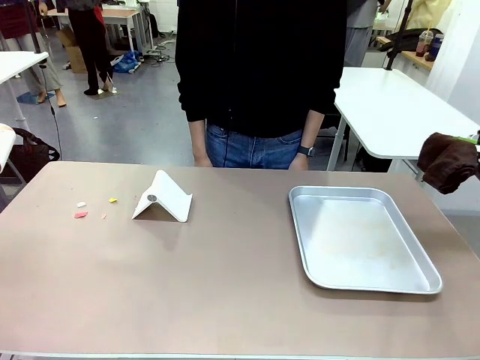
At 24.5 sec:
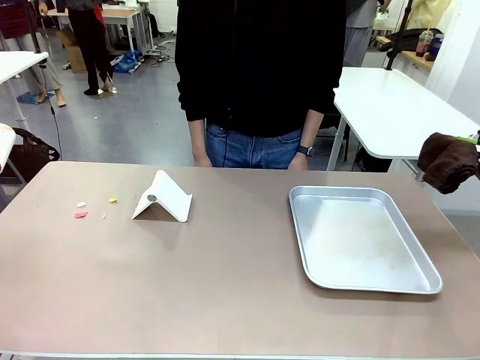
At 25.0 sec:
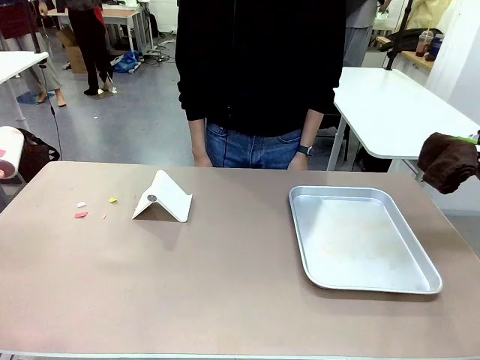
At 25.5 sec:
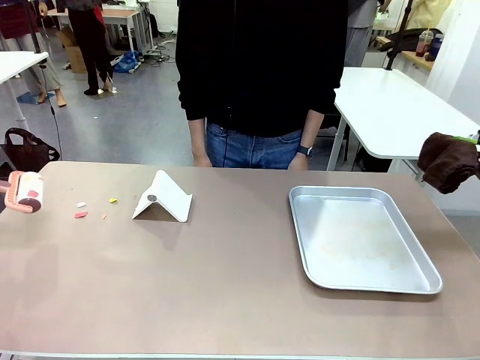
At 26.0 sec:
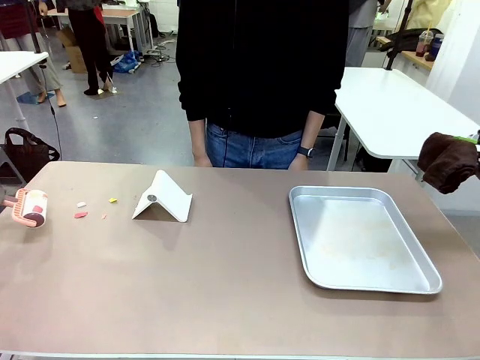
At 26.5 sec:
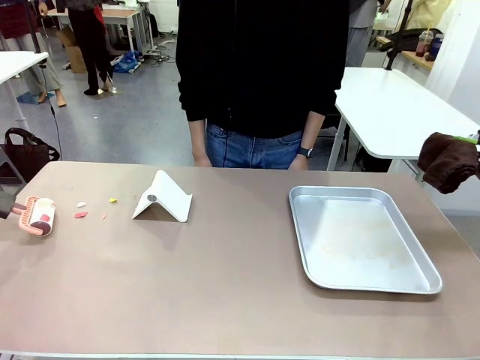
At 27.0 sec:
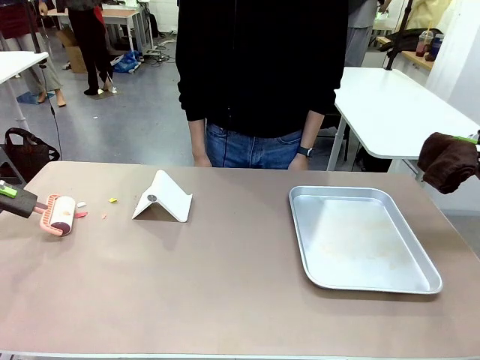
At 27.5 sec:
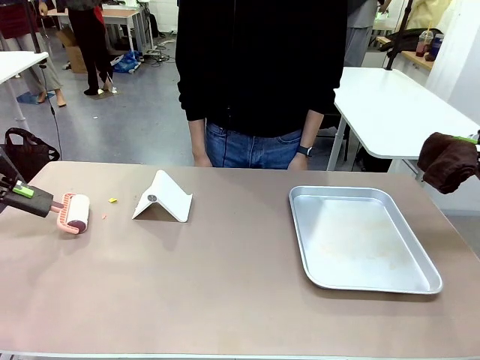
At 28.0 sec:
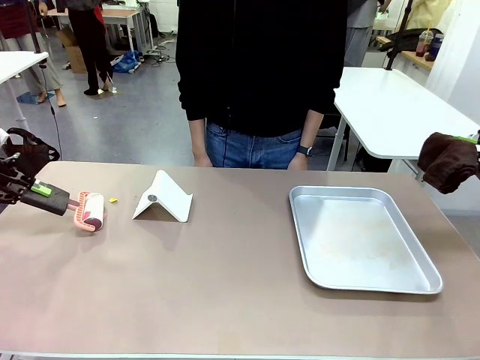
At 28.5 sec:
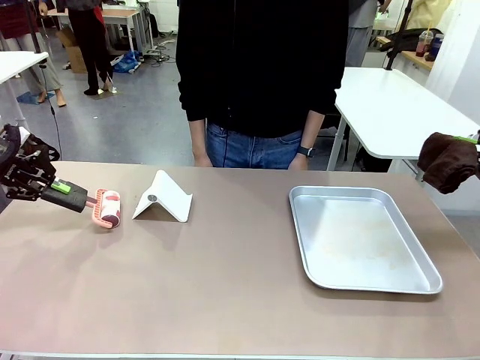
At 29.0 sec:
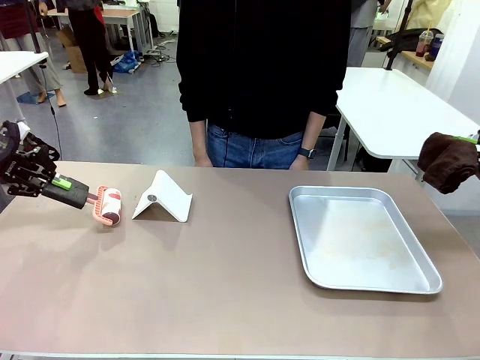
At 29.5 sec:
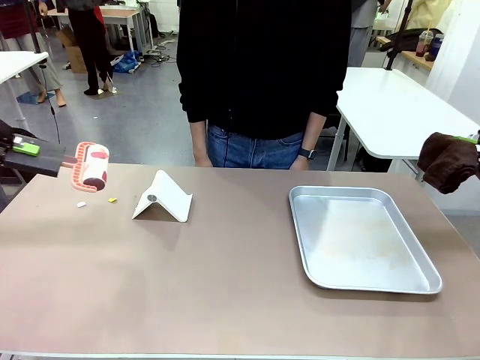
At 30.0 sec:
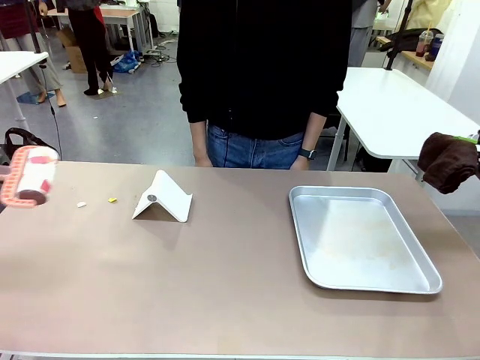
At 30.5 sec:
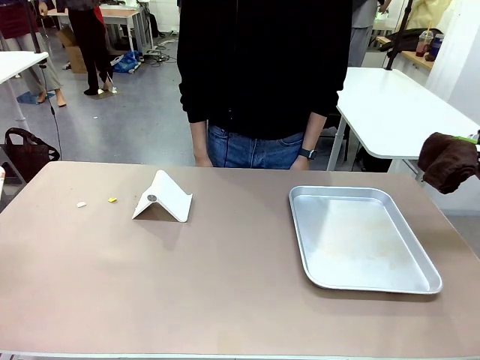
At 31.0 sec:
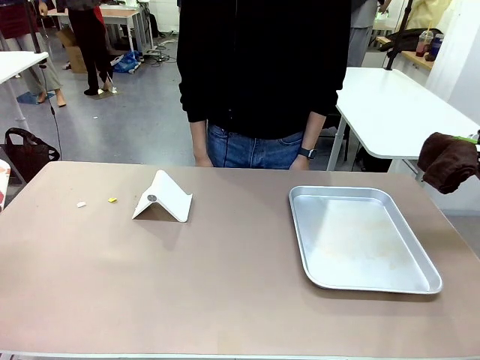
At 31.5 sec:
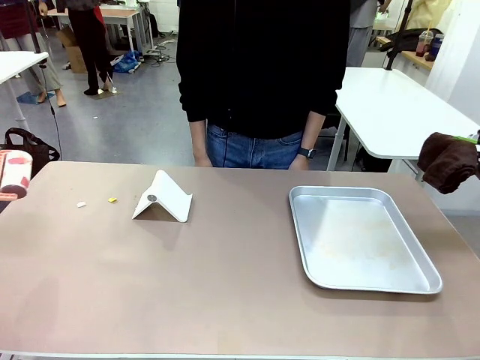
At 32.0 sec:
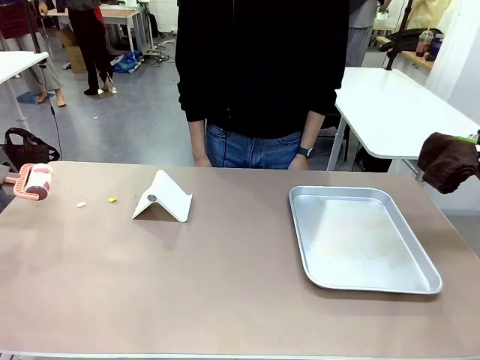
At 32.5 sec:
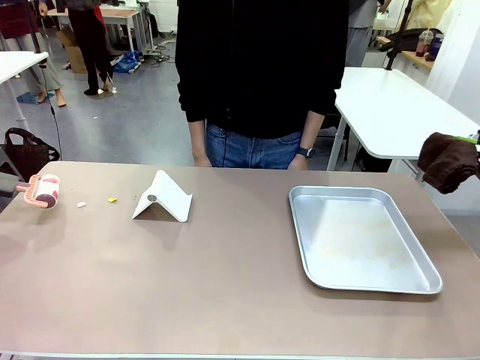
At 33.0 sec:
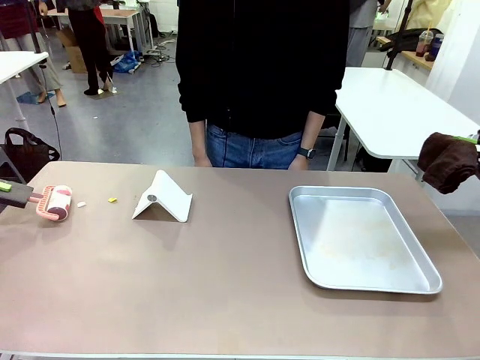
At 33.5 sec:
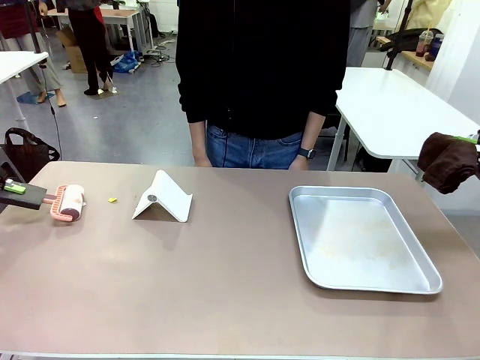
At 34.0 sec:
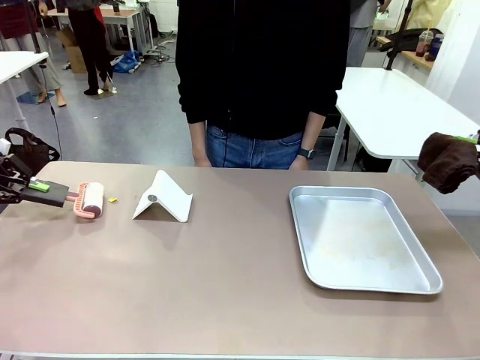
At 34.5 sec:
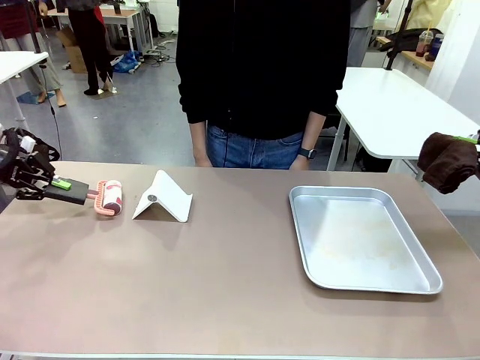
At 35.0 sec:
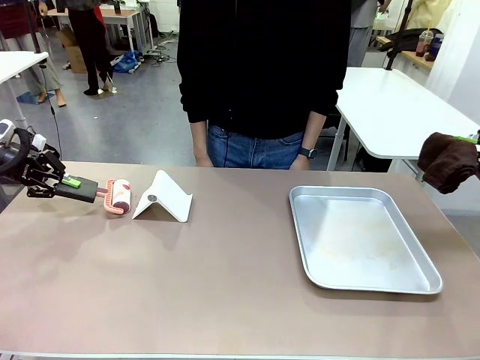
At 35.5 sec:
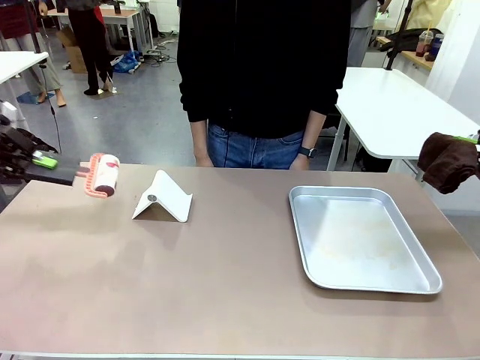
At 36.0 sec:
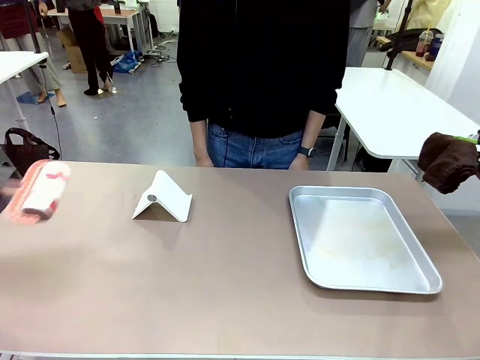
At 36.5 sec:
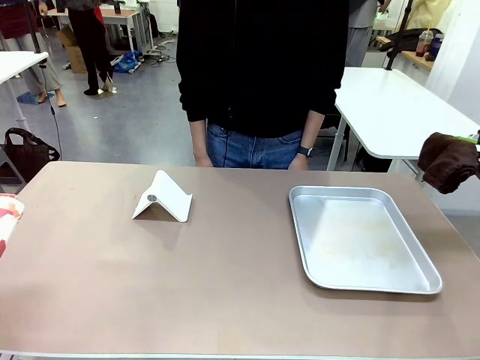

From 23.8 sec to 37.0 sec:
Task: Clean the surface of the table.
Robot: Clean the area not pointed to by the person.

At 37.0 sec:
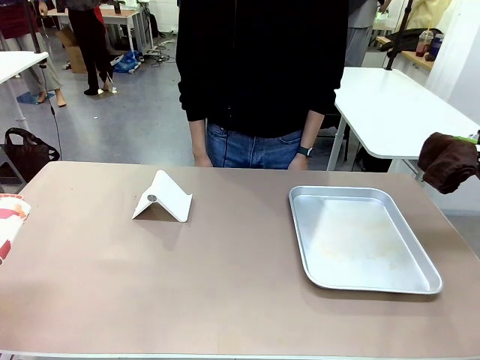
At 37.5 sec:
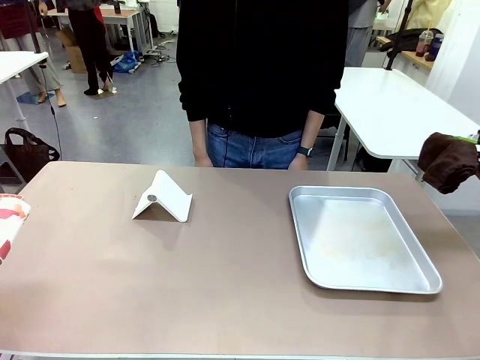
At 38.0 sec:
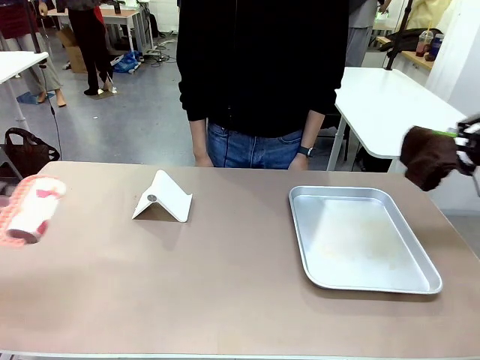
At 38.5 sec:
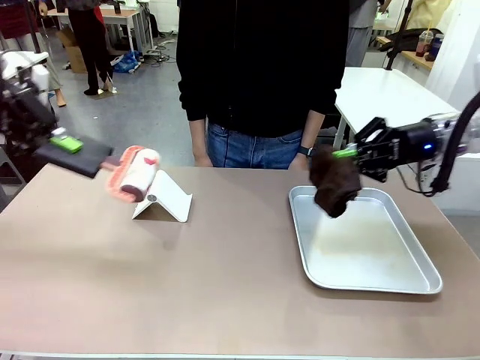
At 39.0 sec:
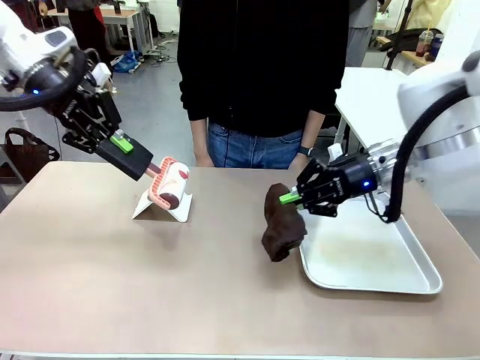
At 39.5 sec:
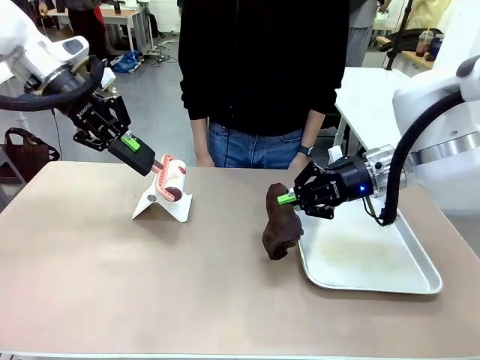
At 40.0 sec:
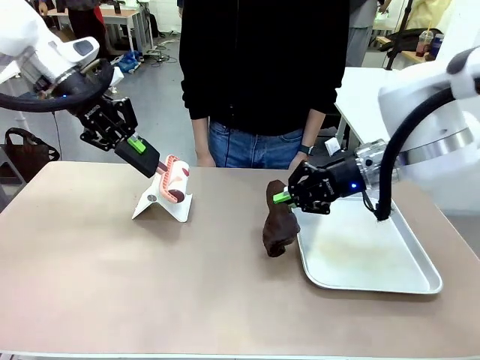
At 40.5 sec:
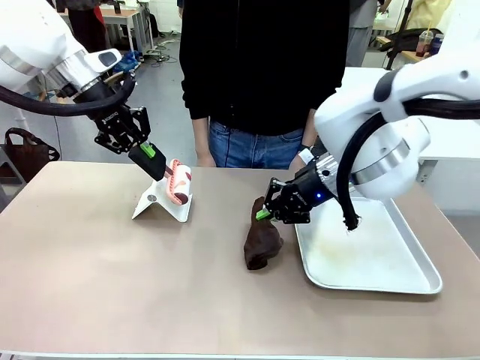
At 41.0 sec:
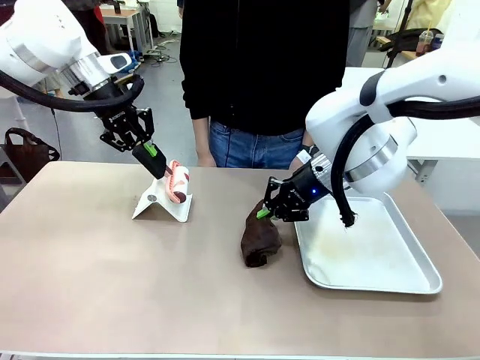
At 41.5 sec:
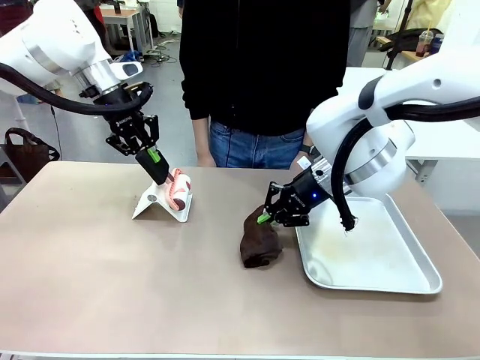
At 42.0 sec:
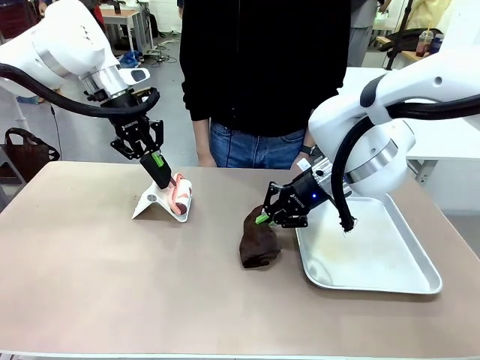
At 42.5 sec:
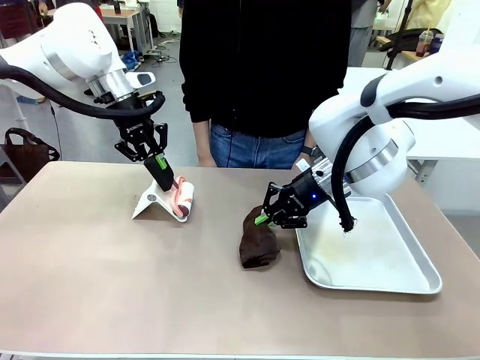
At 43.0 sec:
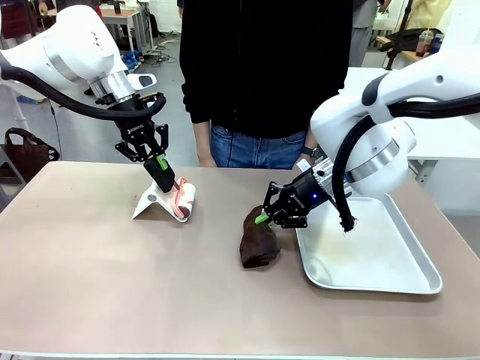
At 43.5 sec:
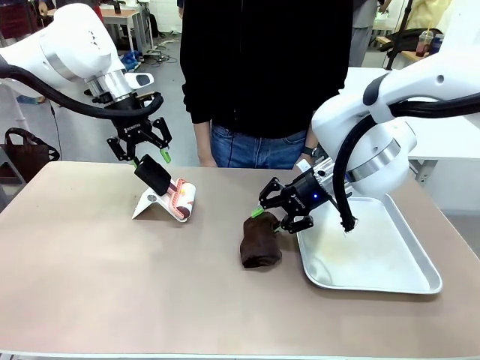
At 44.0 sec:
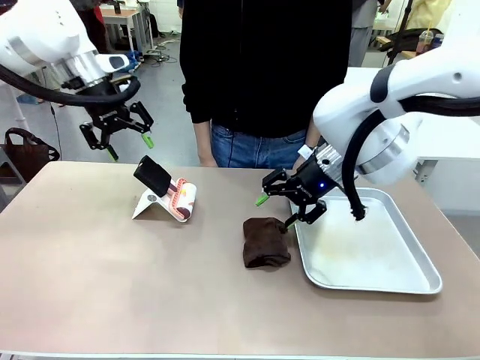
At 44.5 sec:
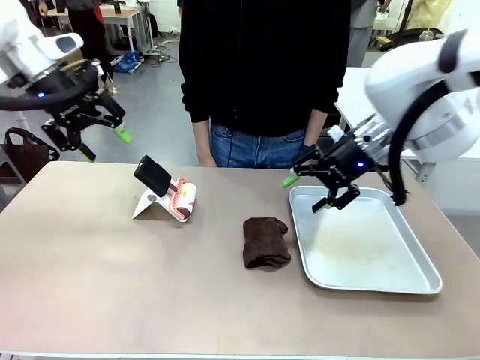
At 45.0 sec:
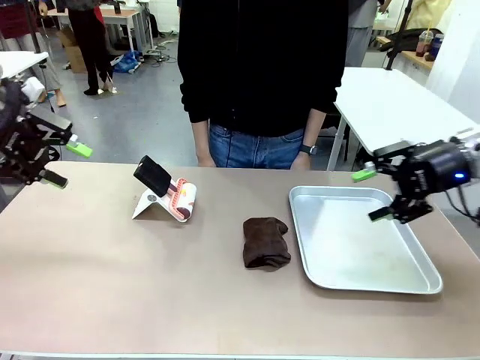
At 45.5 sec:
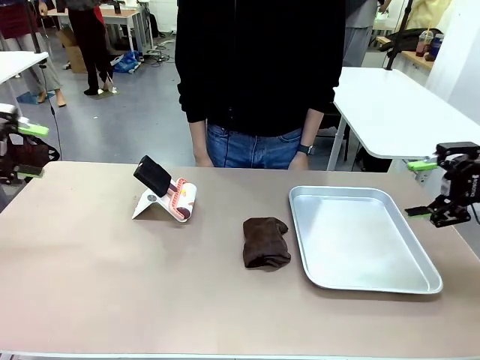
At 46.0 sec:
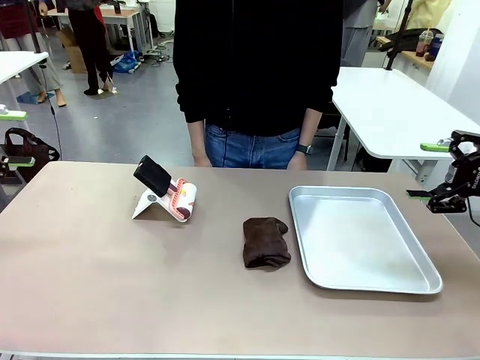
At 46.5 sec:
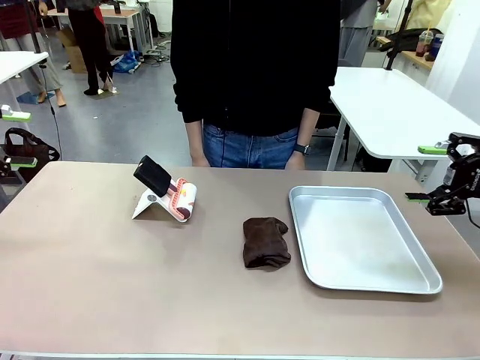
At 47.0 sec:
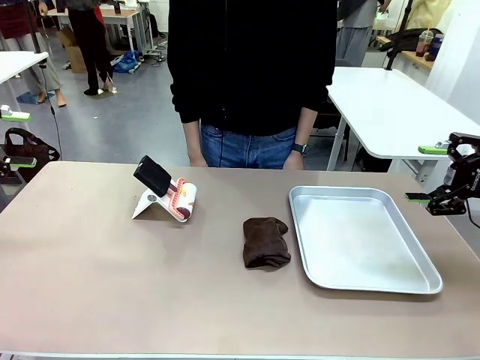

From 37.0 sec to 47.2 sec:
Robot: Return the Lint Roller and towel to their original positions.

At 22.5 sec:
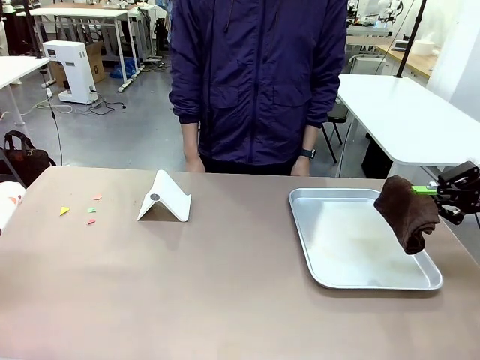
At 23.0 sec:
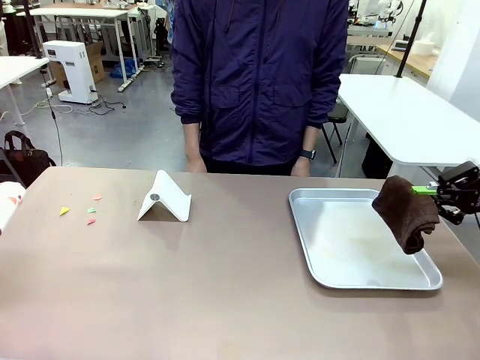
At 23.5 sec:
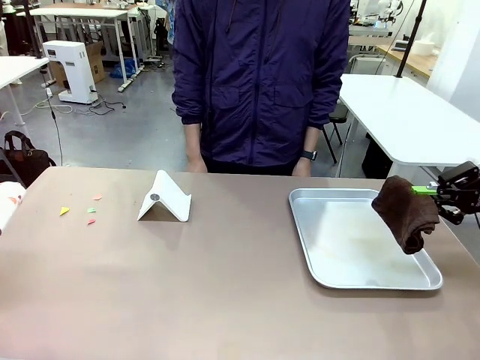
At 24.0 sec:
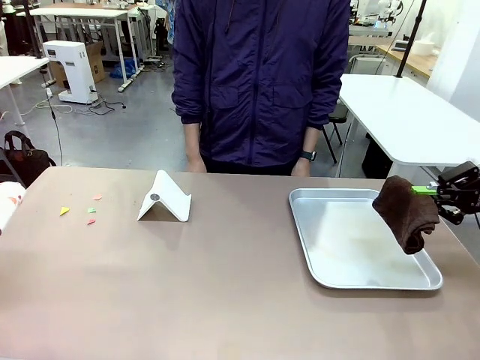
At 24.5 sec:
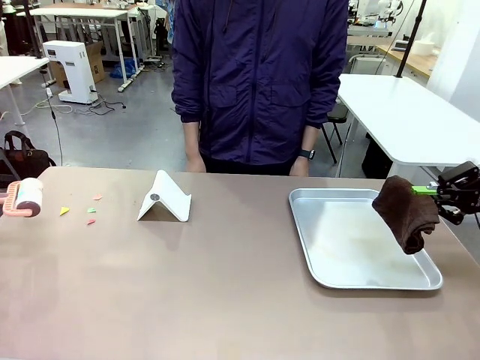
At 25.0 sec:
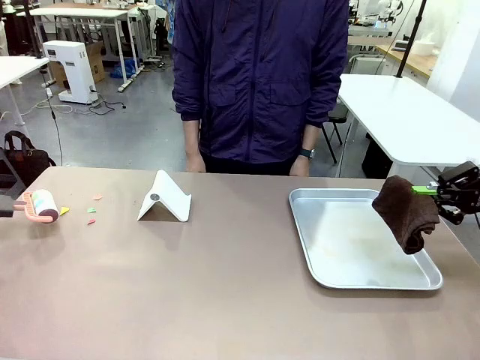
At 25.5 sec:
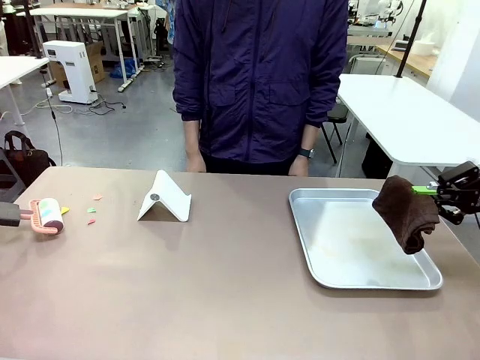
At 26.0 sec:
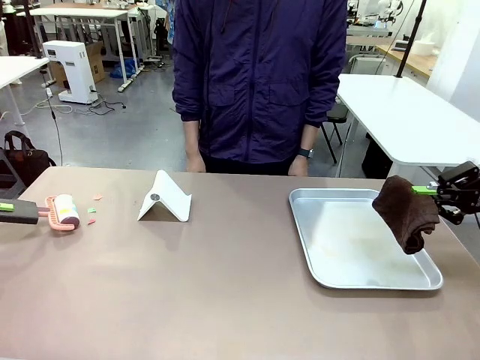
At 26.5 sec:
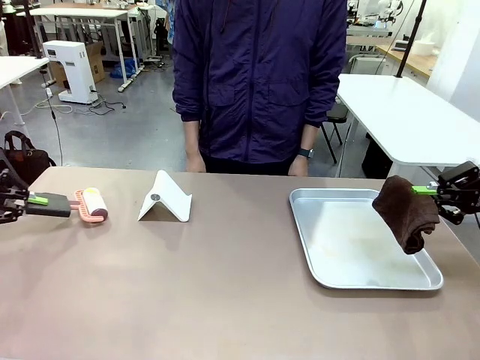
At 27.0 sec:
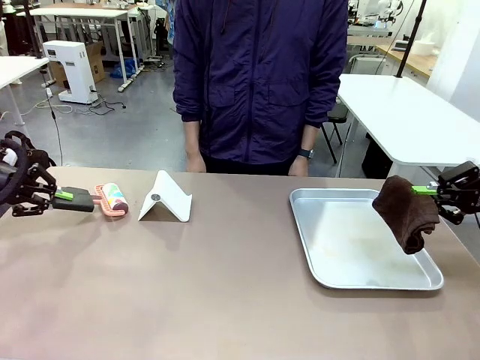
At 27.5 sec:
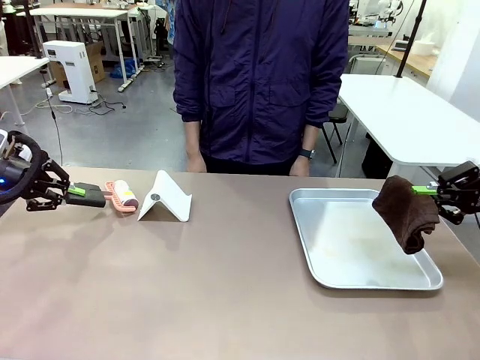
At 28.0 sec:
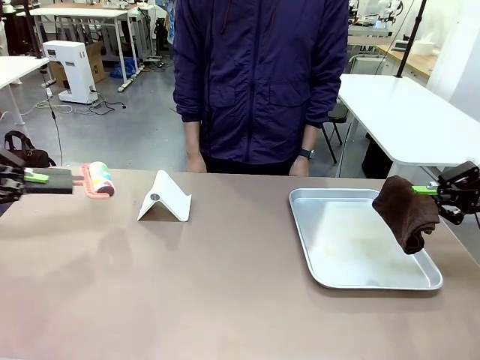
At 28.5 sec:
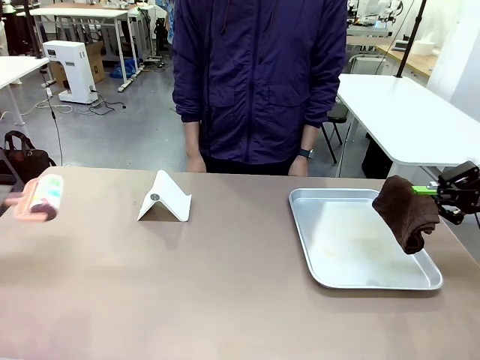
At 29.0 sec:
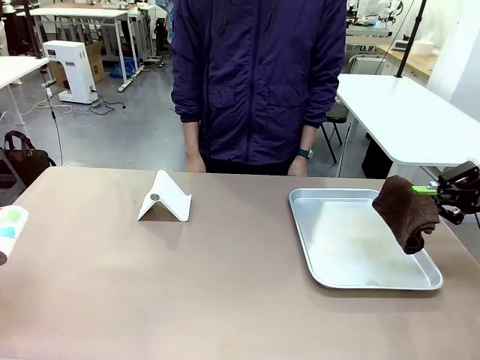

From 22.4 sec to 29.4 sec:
Task: Clean the surface of the table.
Robot: Clean the area not pointed to by the person.
